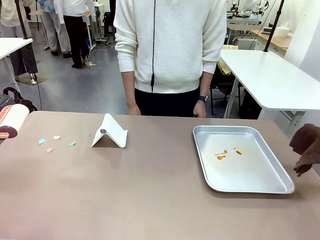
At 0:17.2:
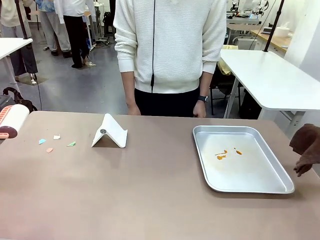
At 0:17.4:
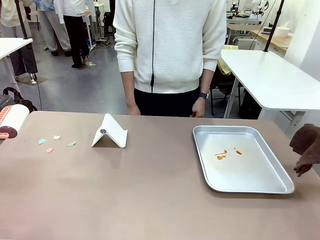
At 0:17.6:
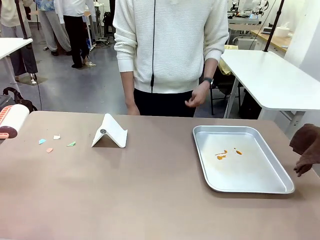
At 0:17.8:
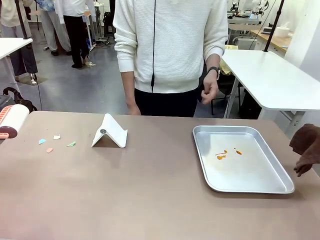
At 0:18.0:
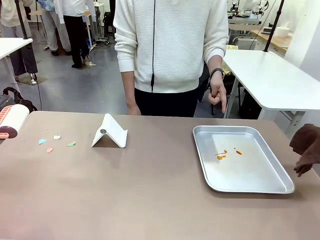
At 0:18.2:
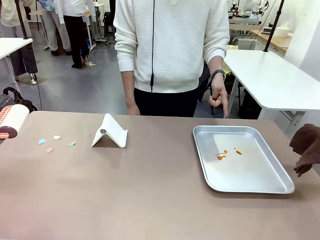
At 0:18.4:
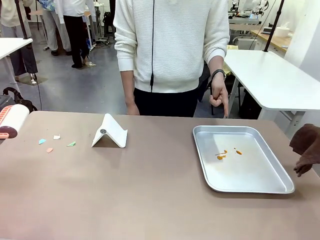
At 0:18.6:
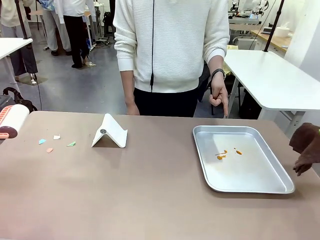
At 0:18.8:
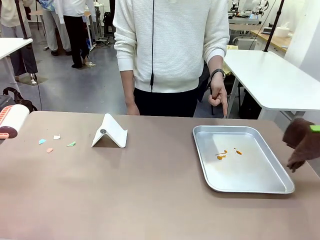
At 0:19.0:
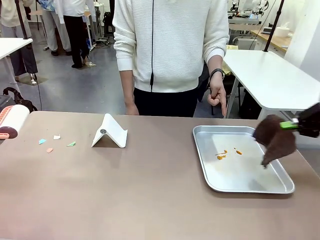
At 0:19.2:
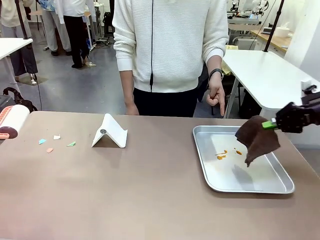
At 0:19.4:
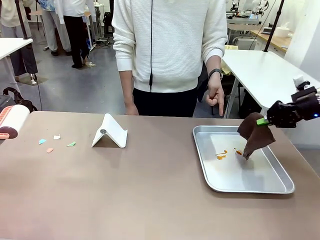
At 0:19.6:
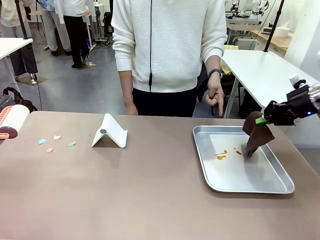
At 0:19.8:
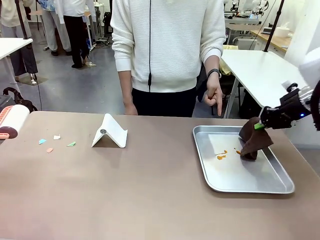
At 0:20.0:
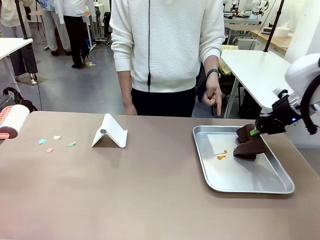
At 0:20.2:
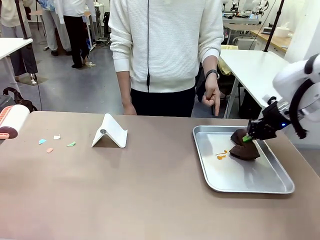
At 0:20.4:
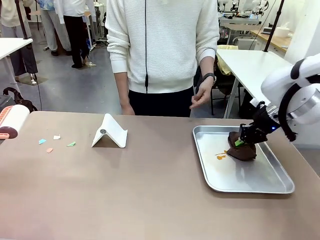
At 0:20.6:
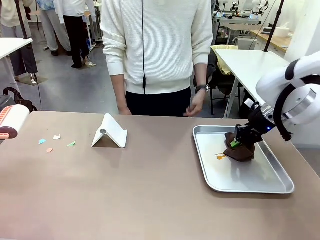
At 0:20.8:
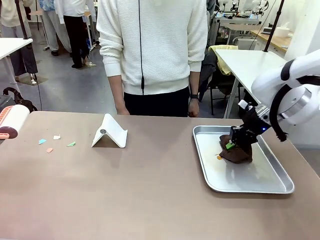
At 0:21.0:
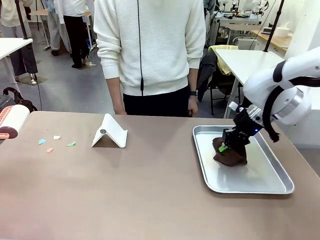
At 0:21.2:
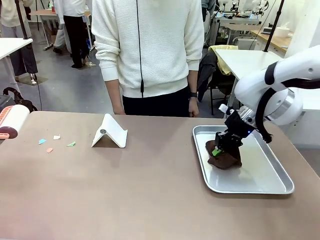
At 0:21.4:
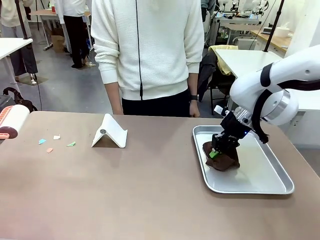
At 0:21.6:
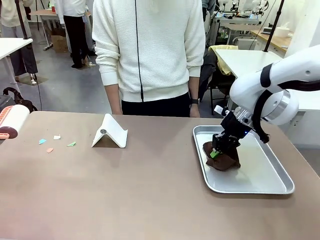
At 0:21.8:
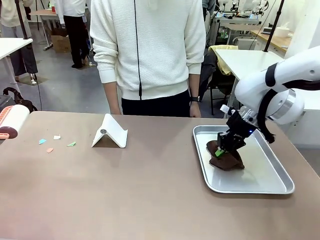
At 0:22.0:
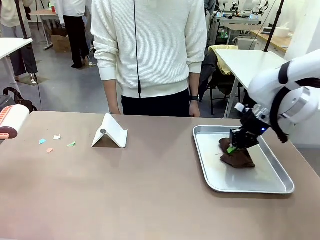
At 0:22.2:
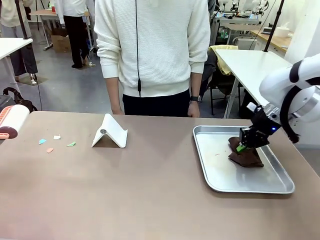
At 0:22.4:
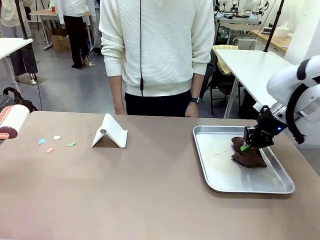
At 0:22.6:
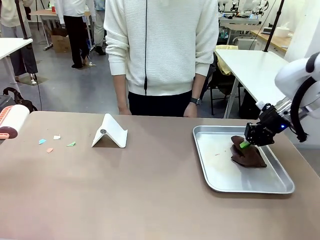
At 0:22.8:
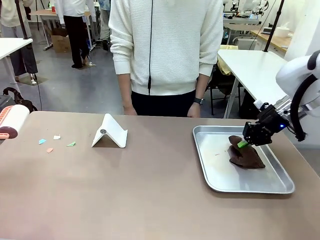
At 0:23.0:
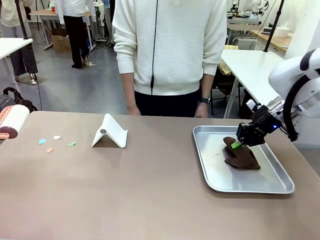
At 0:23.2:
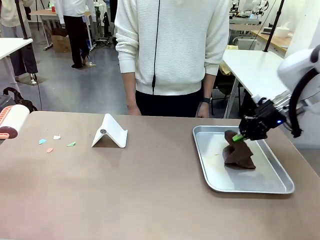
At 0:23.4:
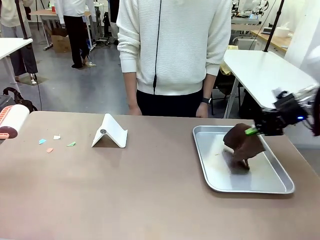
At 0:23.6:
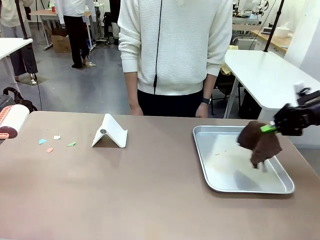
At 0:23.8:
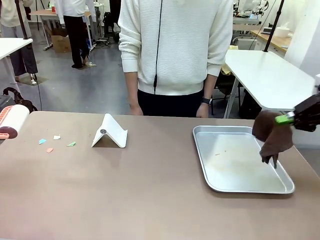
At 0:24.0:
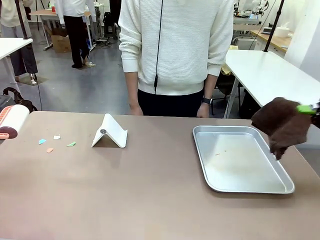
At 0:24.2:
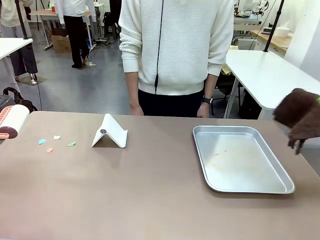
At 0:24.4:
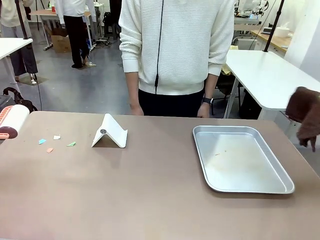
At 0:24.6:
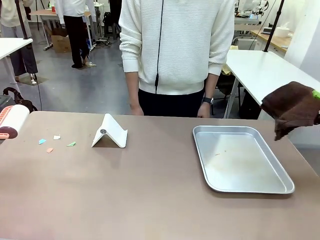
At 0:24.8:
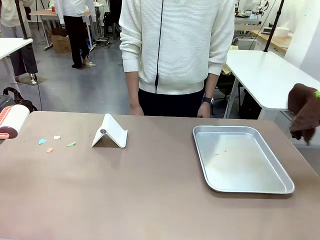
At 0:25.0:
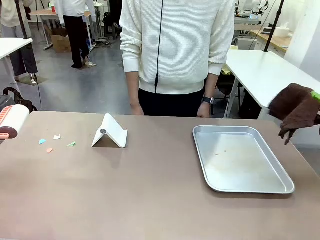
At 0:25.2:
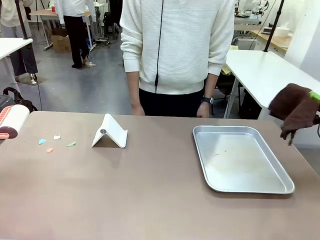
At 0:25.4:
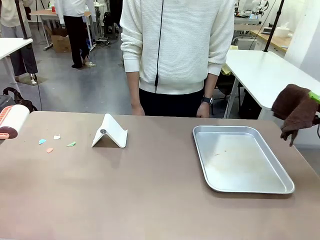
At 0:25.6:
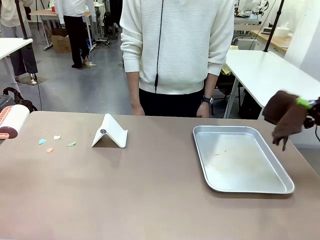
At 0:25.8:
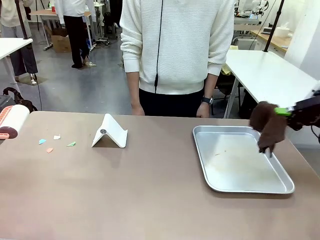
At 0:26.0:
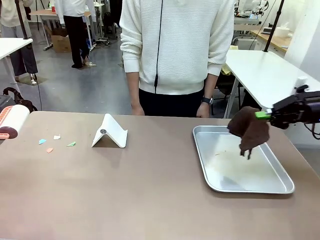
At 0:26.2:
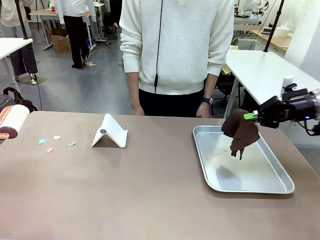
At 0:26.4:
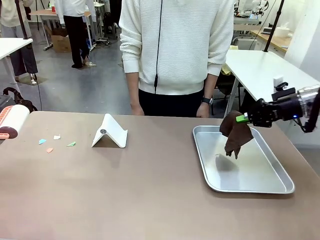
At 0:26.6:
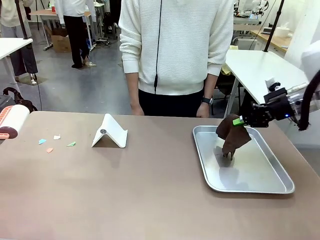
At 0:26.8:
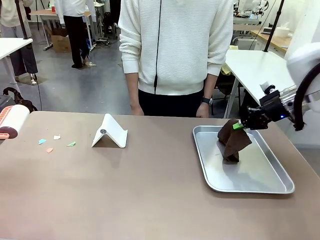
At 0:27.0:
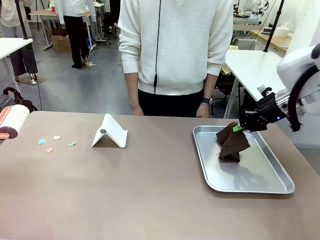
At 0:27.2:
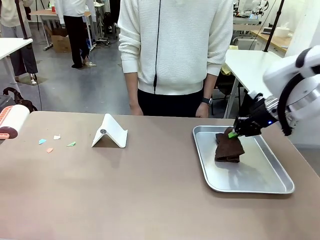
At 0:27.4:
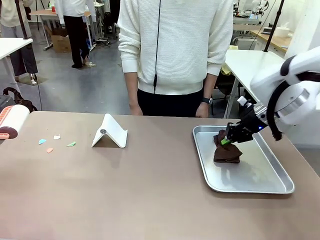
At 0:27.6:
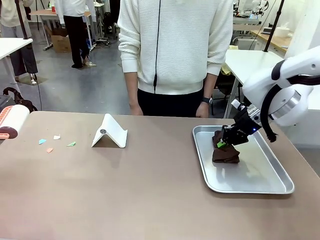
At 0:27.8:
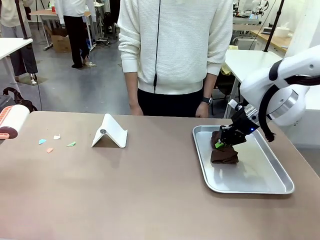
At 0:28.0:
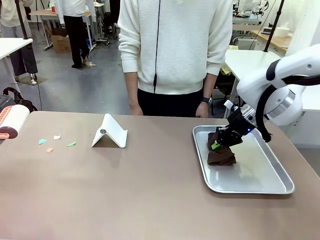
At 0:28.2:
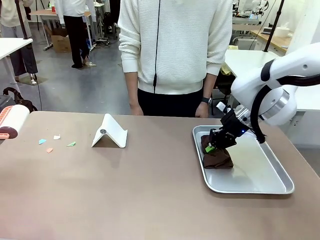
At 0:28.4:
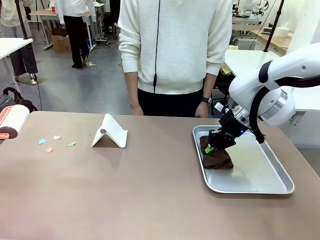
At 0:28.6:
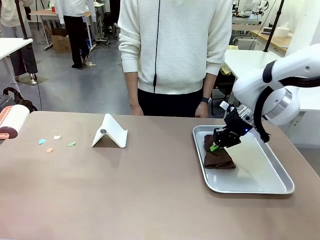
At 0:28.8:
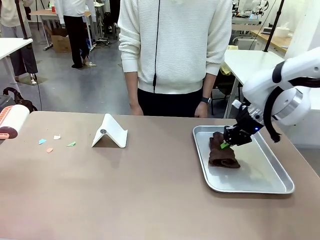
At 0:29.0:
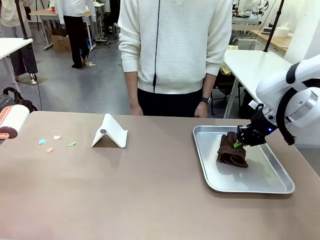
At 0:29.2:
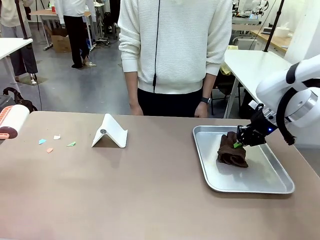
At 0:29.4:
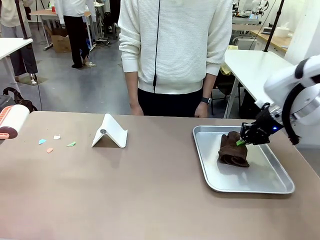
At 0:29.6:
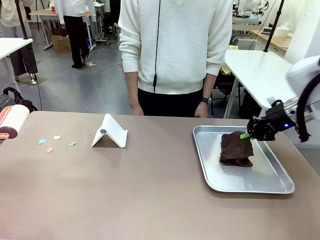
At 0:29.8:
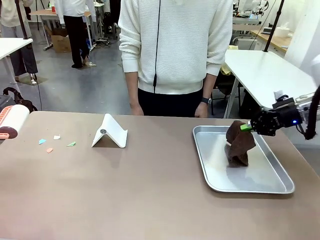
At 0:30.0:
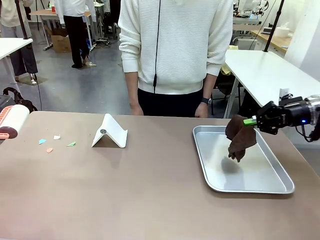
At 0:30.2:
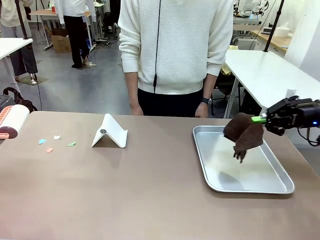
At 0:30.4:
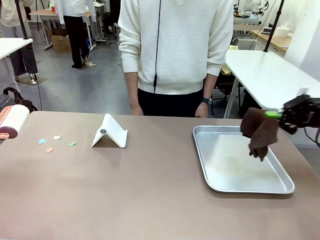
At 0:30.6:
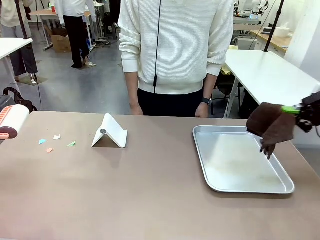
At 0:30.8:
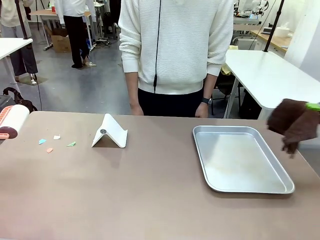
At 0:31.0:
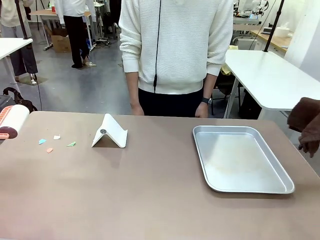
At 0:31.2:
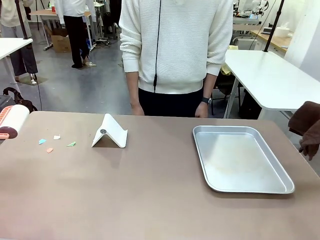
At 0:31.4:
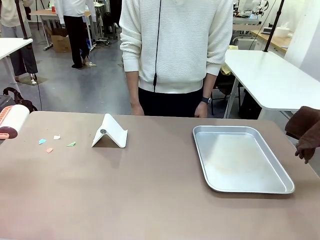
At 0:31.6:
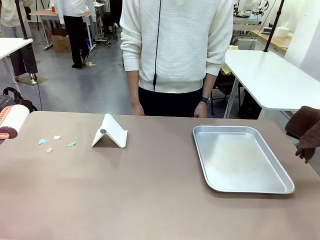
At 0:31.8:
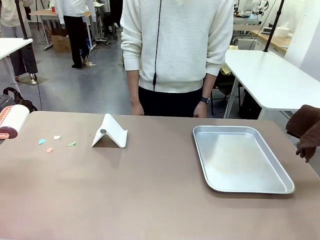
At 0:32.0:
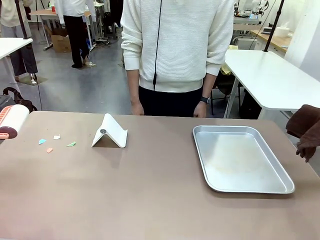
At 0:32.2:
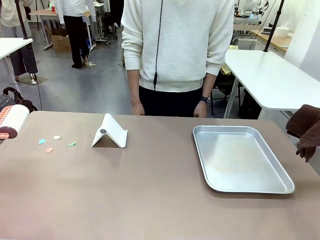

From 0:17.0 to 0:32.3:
Task: Clean the surface of the table.
Robot: If a person points to the right, clean the right side of the table with your right hand, and if they point to the left, clean the left side with your left hand.

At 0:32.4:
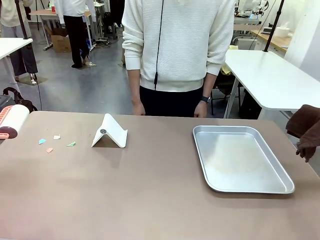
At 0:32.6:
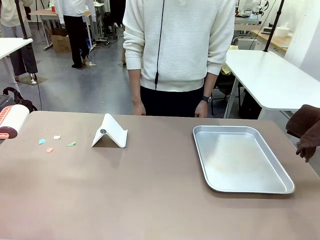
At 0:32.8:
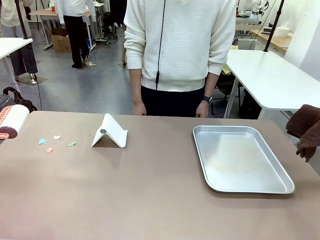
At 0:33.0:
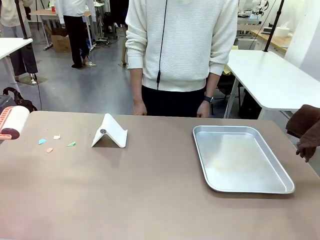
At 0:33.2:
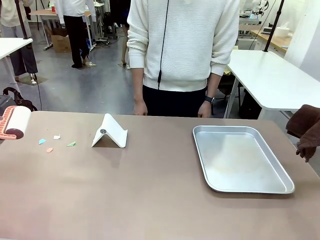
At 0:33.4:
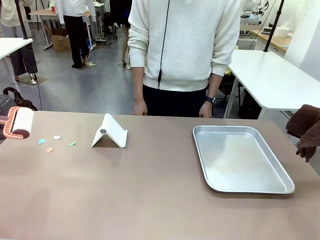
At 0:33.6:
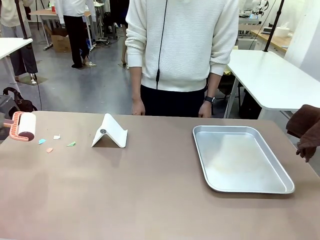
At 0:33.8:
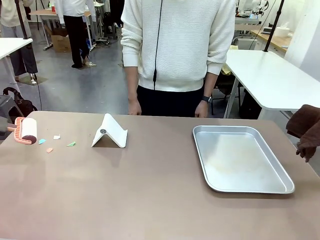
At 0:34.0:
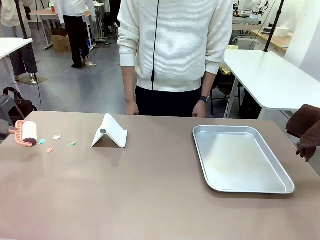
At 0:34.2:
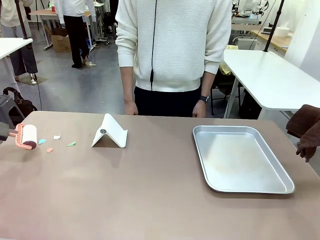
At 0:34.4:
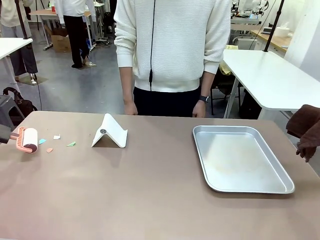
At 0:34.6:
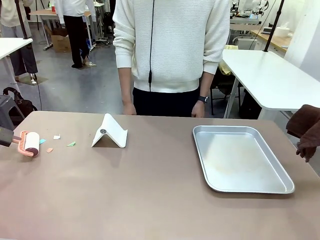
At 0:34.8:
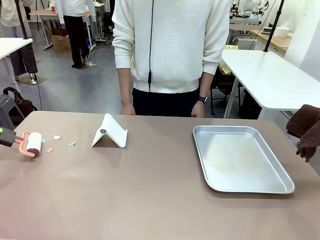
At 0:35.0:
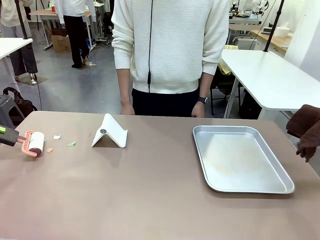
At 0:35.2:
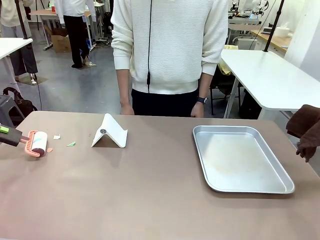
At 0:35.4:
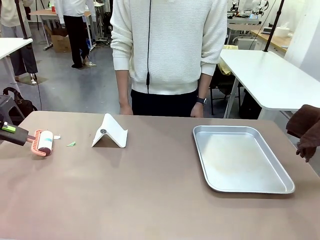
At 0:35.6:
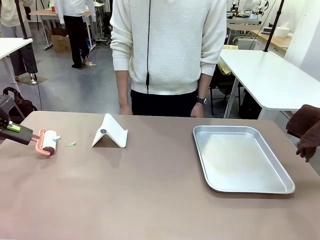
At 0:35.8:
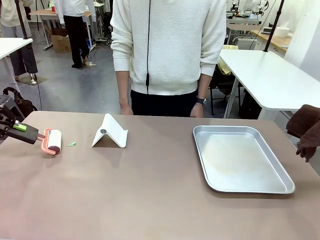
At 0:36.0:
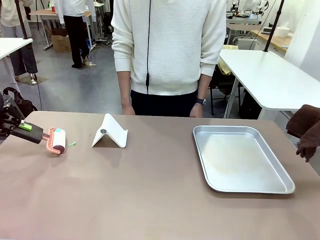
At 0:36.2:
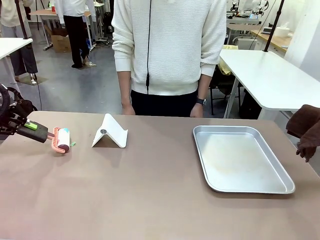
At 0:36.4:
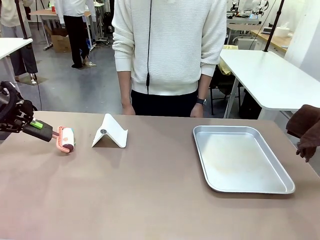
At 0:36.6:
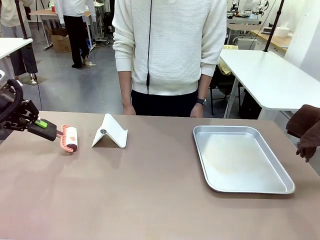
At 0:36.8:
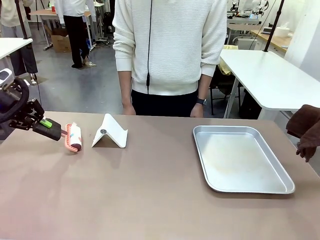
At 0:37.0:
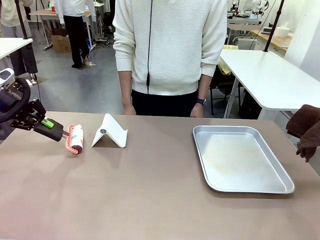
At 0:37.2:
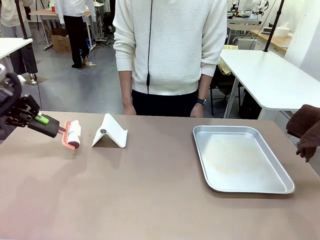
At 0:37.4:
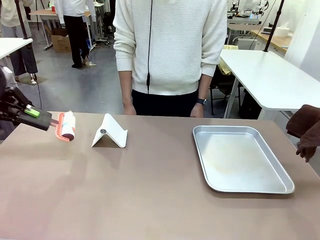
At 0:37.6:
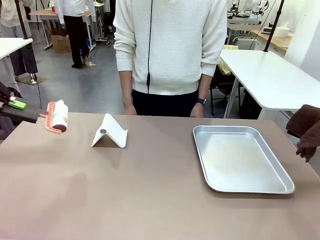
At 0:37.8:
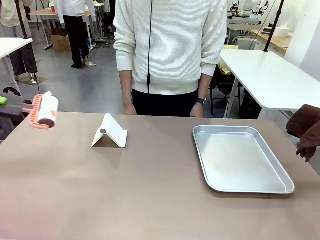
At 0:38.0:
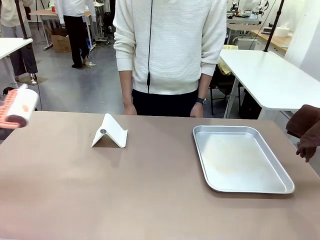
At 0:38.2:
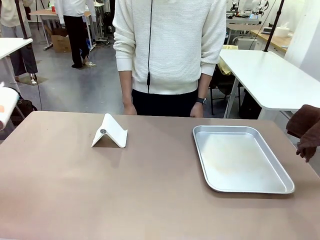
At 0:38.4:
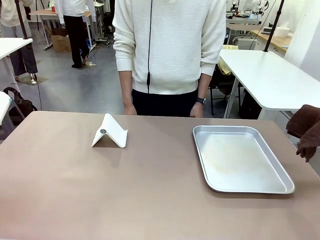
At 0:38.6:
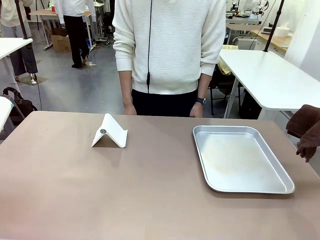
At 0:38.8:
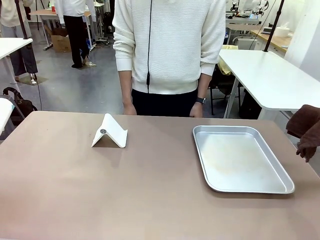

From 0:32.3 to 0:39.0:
Robot: Clean the area not pointed to by the person.
